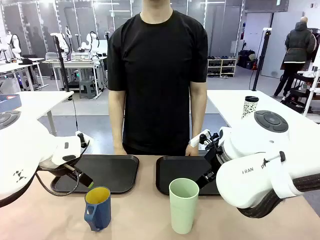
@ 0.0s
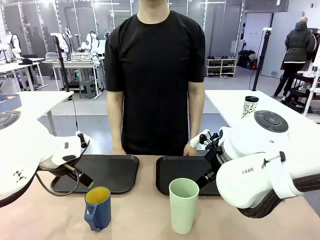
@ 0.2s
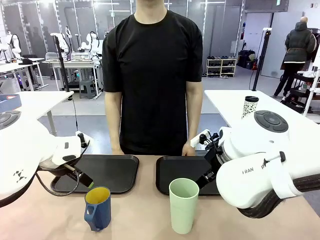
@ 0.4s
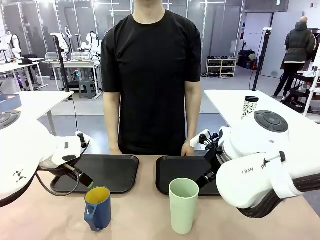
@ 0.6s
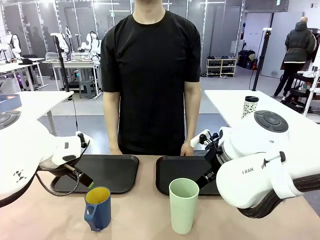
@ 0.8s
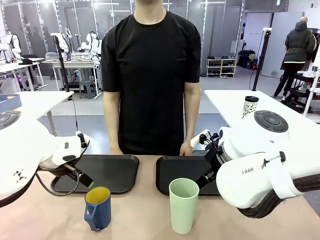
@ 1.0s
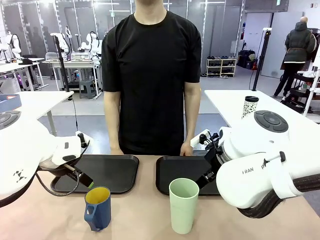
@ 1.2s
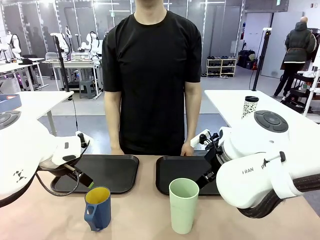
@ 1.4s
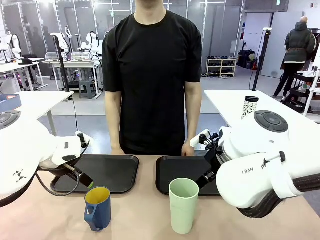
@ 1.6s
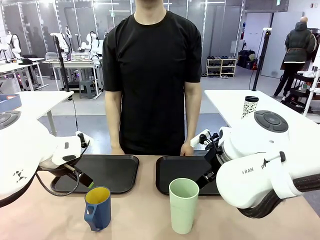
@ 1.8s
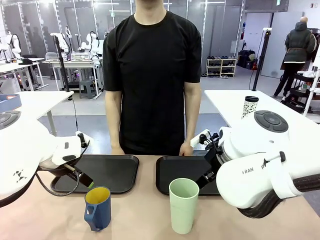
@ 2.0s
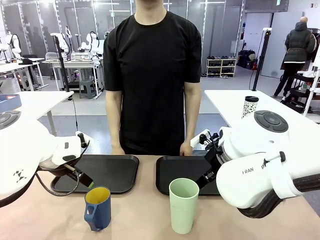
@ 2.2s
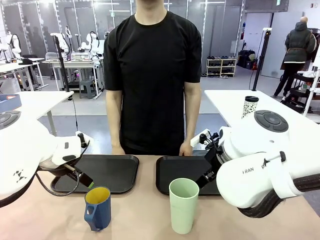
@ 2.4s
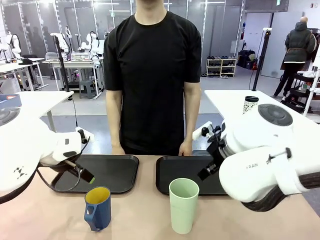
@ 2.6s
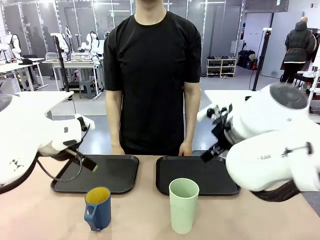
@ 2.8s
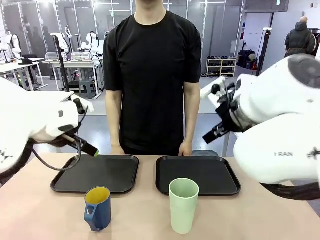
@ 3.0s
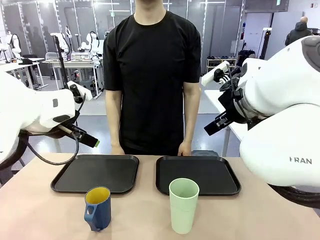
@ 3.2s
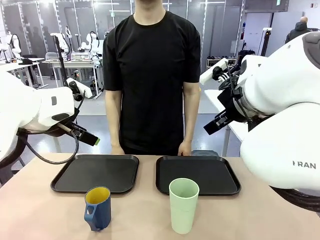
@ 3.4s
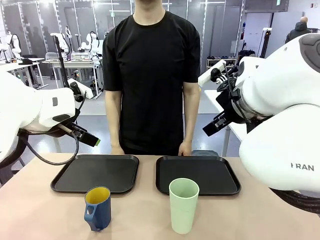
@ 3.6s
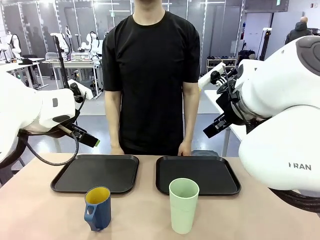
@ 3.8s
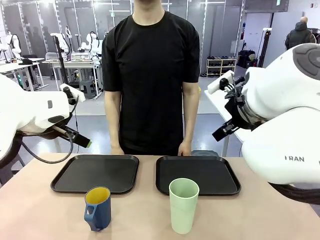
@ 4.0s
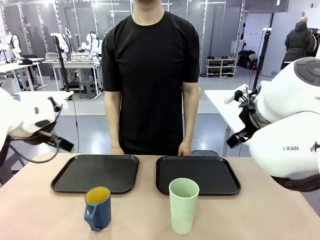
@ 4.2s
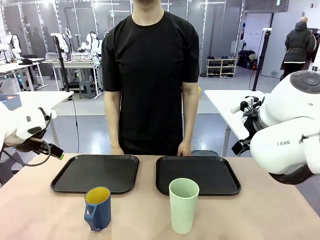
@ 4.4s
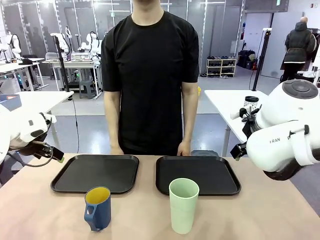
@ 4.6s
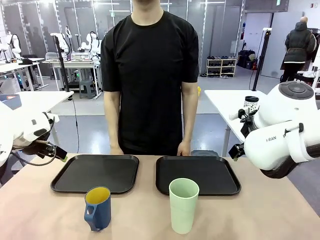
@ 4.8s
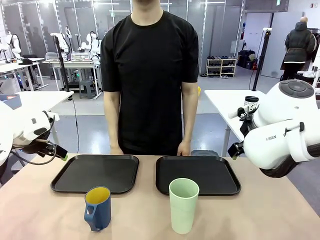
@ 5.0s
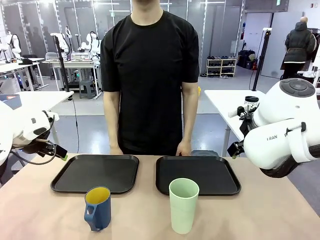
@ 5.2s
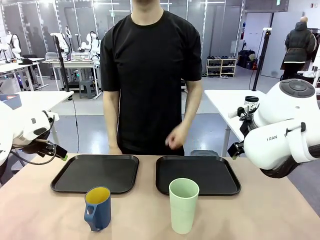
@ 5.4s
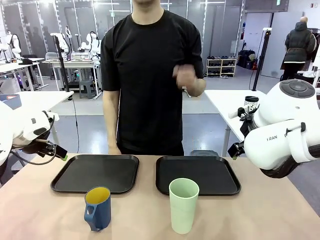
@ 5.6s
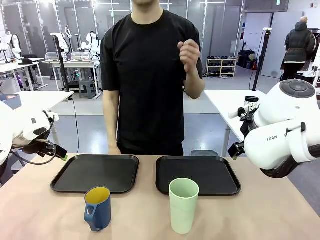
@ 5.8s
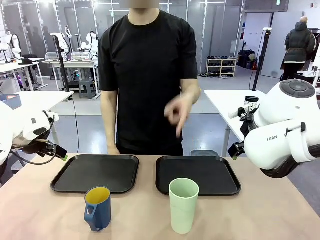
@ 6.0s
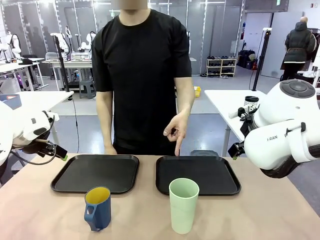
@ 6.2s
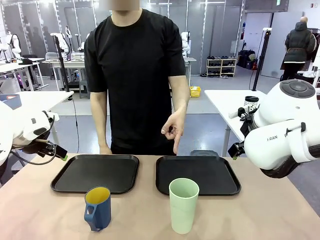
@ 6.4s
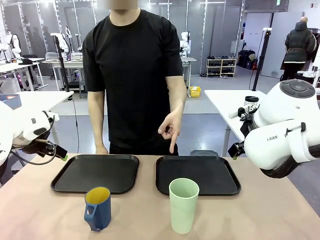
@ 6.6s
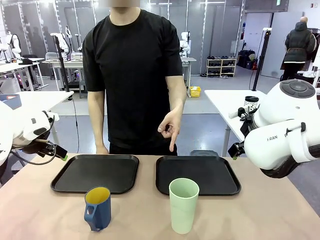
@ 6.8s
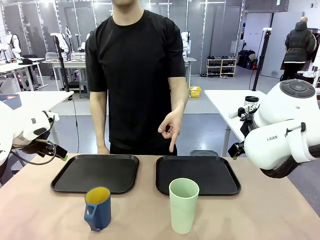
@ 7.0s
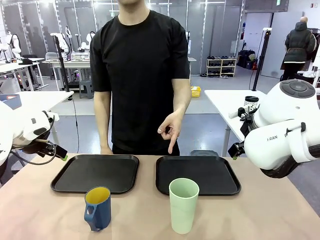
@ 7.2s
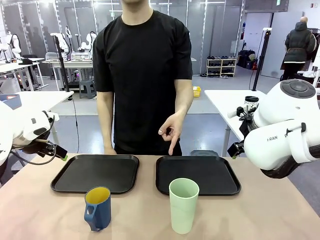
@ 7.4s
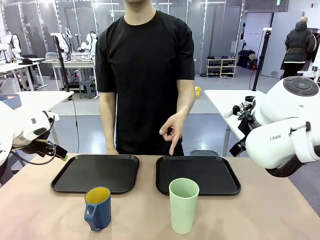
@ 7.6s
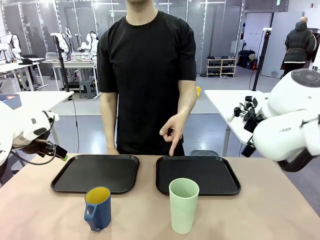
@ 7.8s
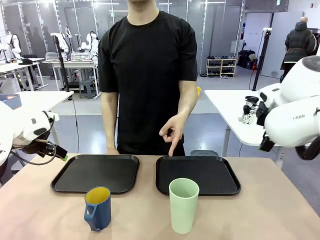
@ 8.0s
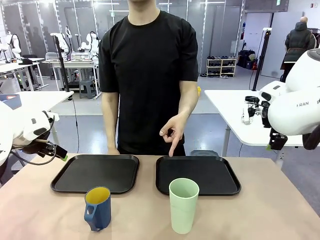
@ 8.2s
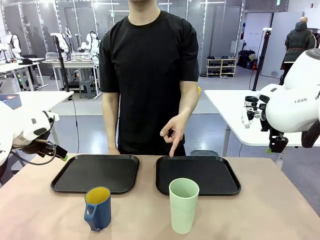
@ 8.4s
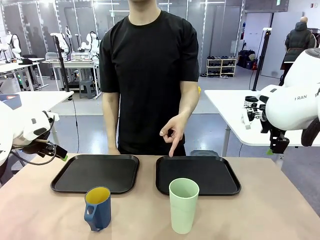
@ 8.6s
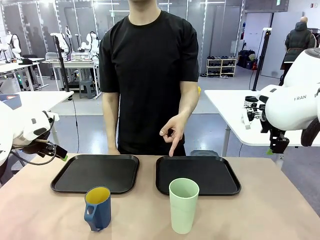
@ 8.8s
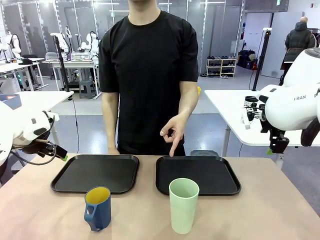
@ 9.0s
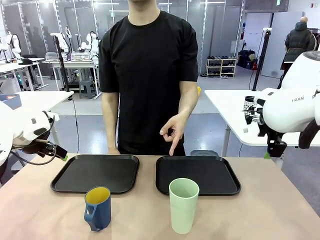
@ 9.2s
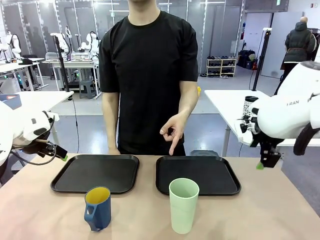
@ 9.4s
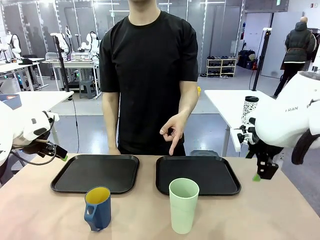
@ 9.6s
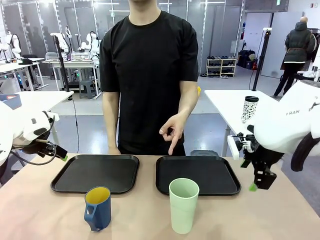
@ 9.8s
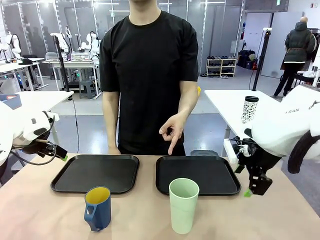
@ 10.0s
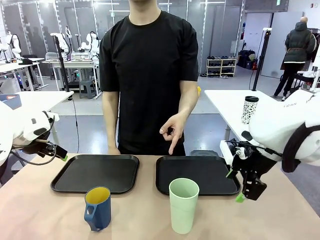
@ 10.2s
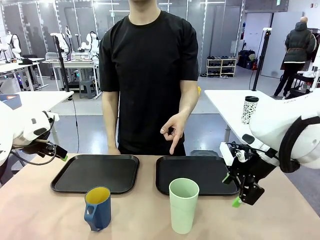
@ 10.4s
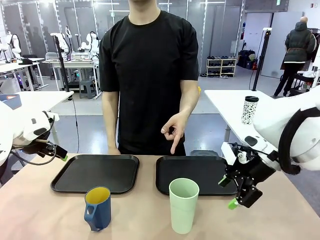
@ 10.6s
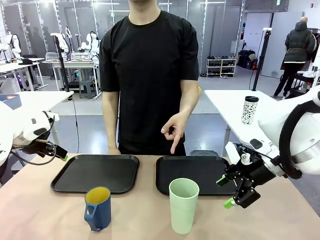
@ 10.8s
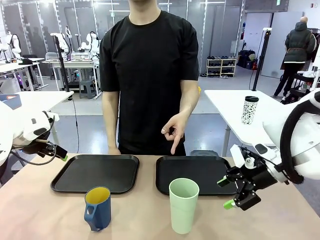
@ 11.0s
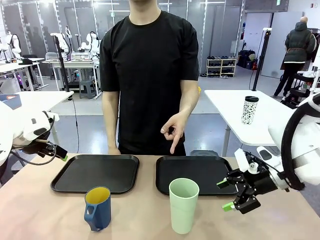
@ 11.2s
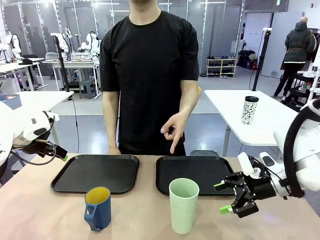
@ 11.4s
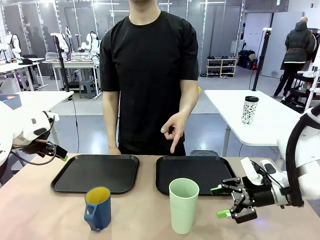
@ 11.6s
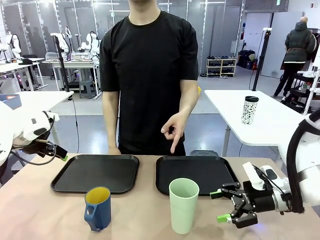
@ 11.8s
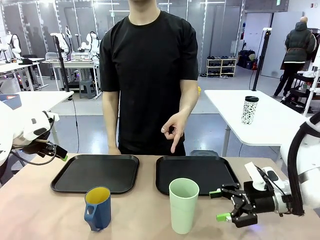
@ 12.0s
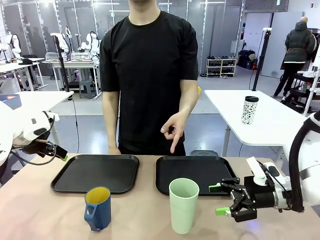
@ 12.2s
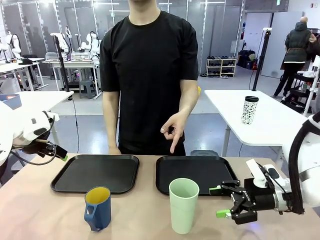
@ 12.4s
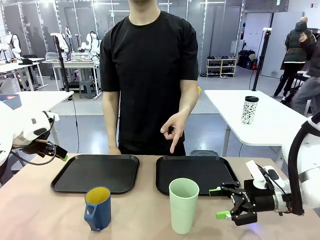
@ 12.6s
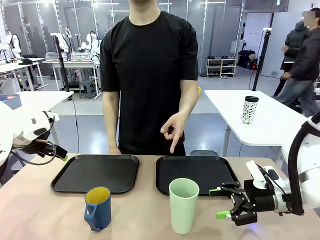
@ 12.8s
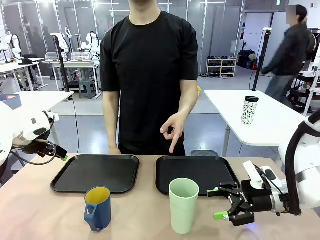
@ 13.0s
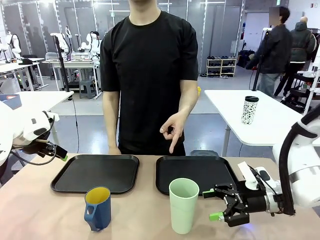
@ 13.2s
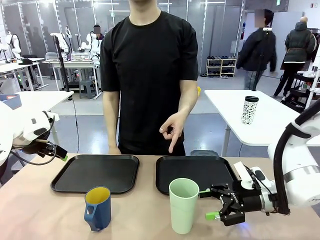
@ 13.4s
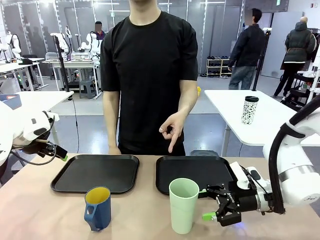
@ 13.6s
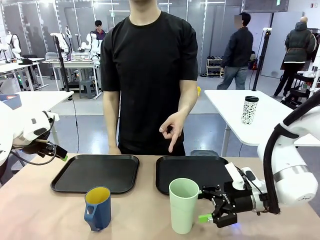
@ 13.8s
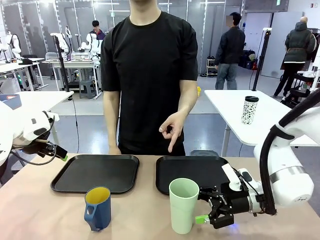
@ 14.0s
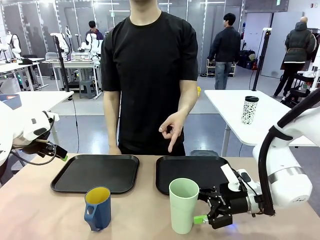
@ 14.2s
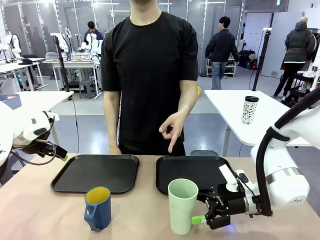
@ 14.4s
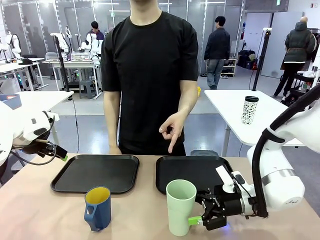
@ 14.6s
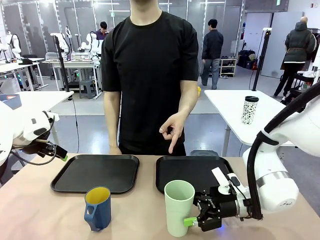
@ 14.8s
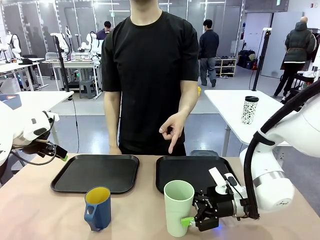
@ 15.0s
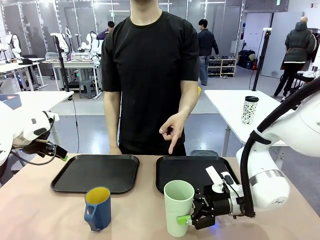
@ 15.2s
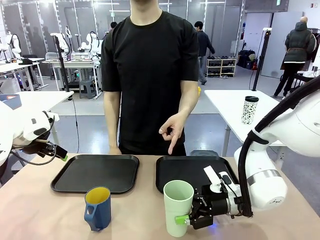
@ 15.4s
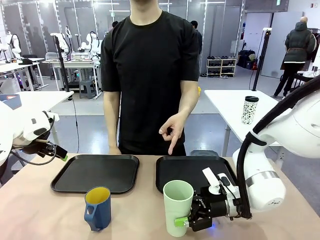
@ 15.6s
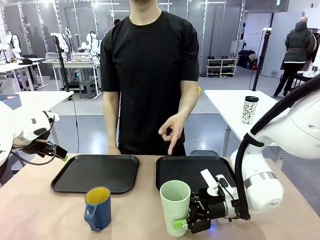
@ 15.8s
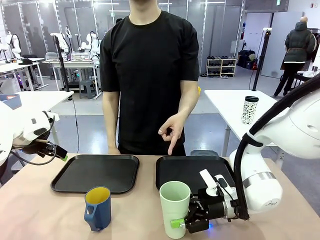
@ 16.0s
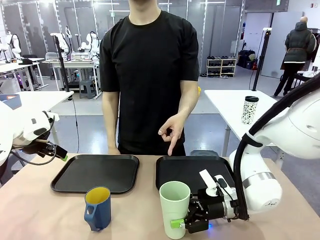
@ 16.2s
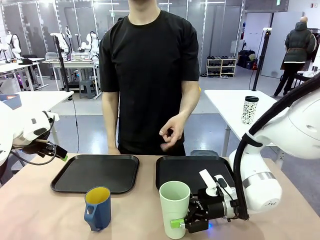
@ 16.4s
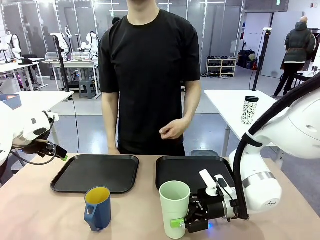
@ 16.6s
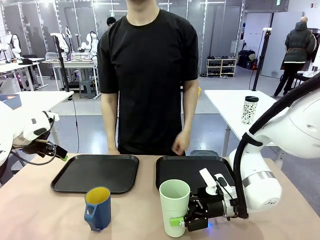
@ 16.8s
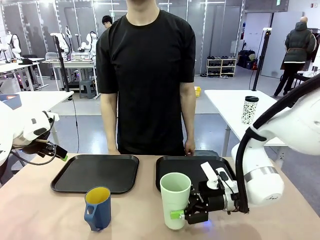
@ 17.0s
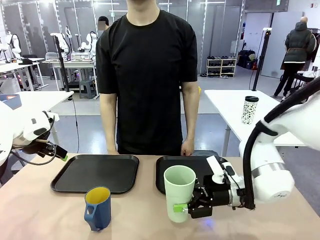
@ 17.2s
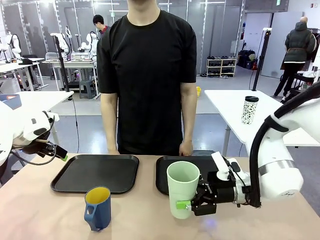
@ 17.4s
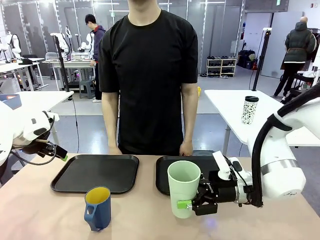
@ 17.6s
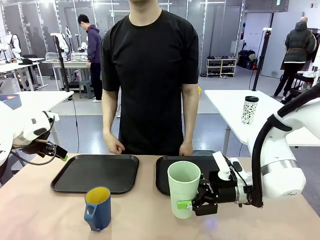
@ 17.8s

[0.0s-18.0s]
Task: Sort and store the cups by type.
Robot: Pick up the Reusable plastic cup.
Person: Points to the reusable cup. Point to one of the two trays.
